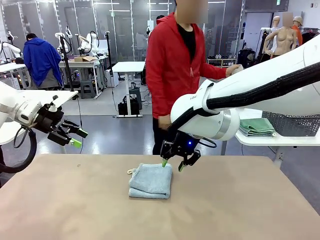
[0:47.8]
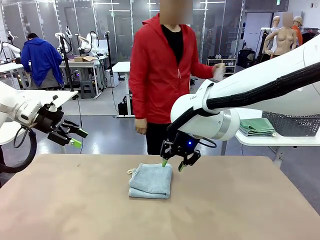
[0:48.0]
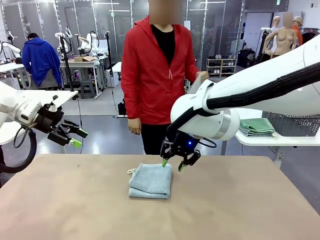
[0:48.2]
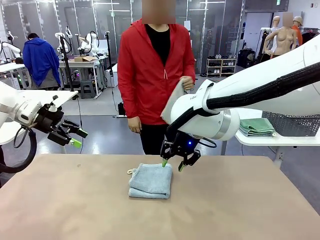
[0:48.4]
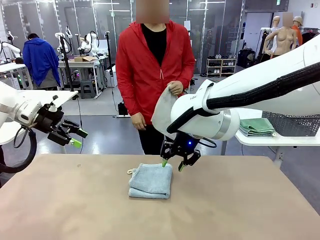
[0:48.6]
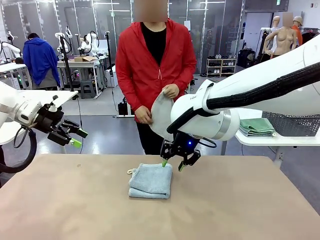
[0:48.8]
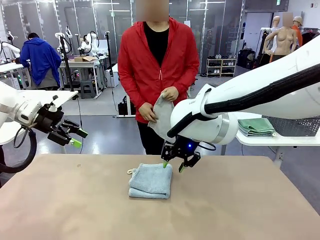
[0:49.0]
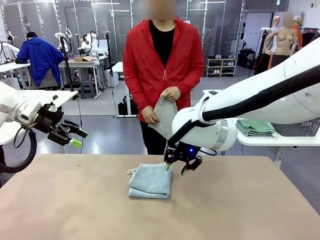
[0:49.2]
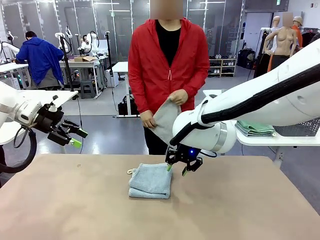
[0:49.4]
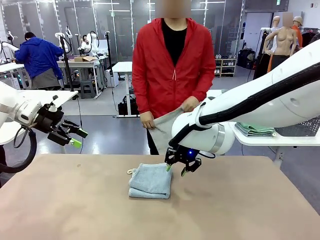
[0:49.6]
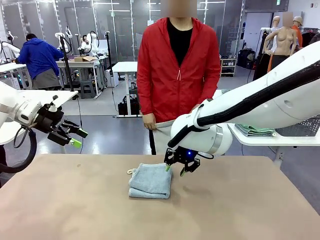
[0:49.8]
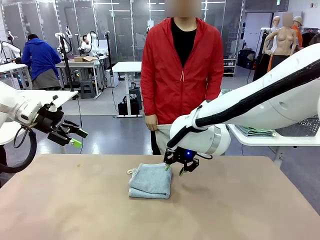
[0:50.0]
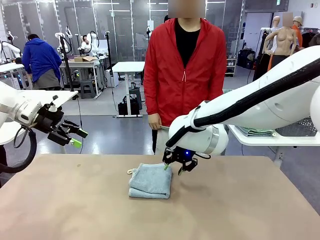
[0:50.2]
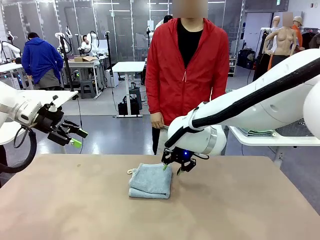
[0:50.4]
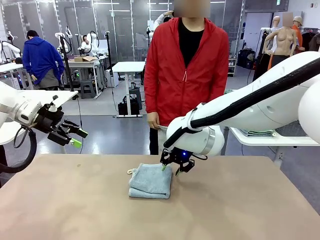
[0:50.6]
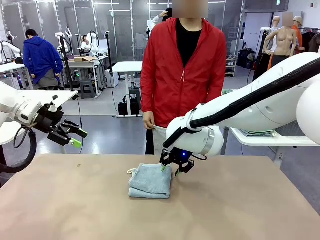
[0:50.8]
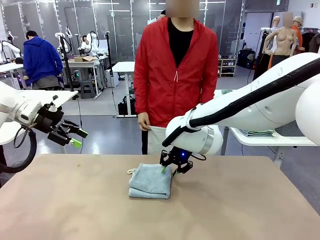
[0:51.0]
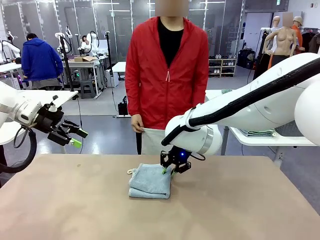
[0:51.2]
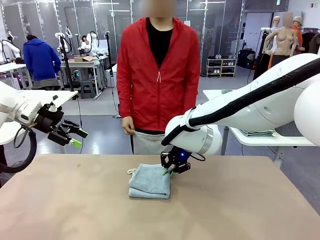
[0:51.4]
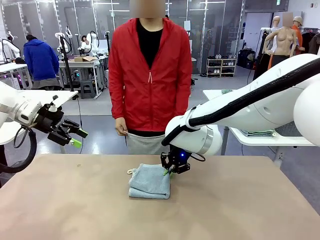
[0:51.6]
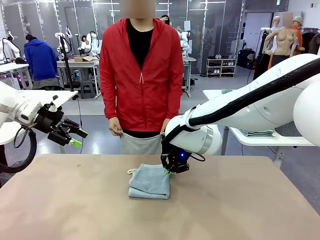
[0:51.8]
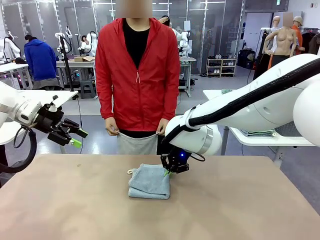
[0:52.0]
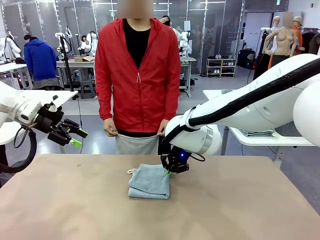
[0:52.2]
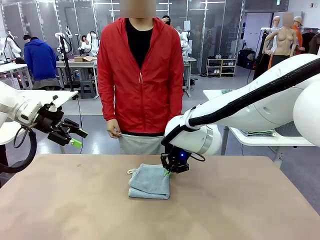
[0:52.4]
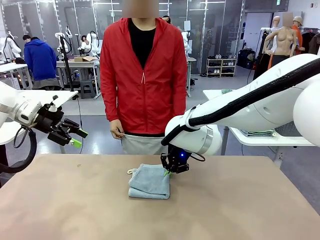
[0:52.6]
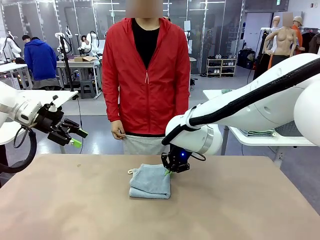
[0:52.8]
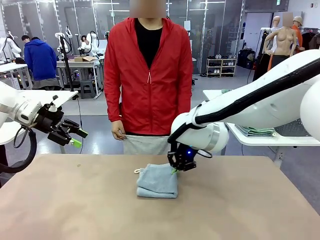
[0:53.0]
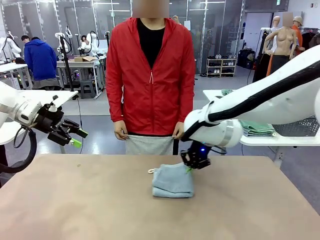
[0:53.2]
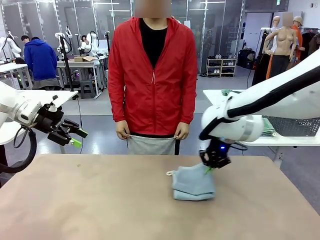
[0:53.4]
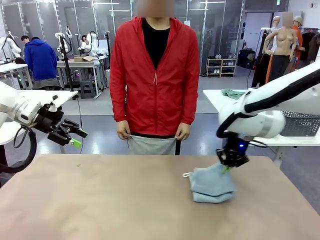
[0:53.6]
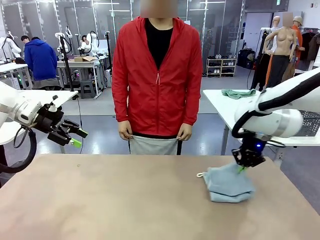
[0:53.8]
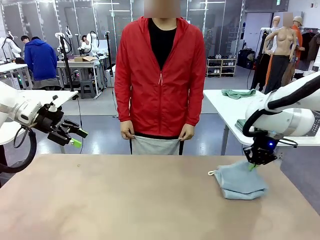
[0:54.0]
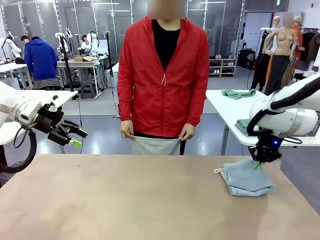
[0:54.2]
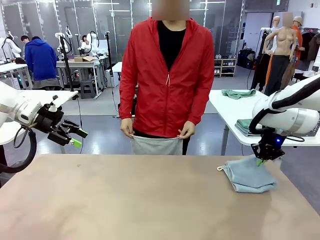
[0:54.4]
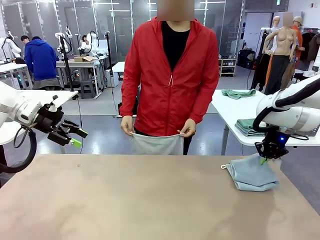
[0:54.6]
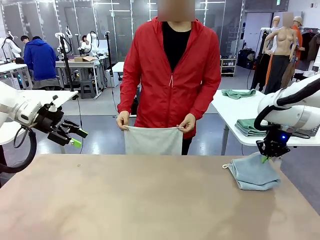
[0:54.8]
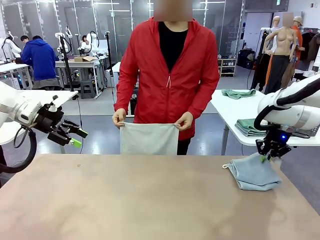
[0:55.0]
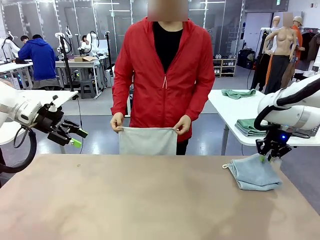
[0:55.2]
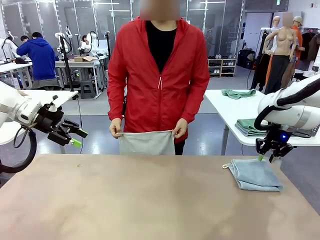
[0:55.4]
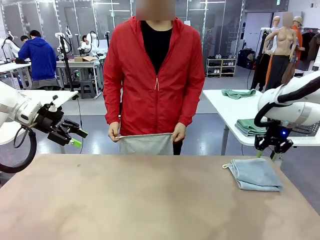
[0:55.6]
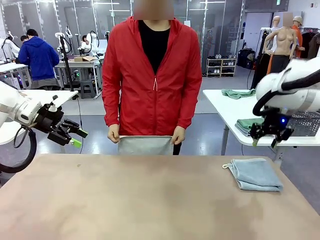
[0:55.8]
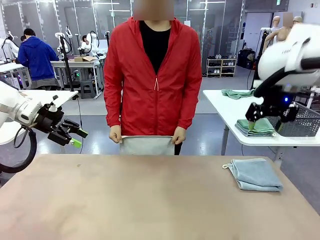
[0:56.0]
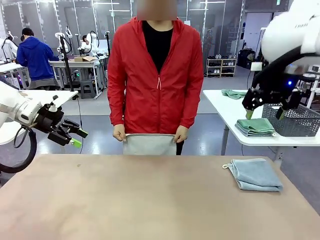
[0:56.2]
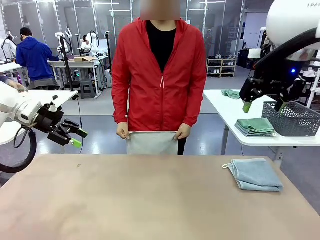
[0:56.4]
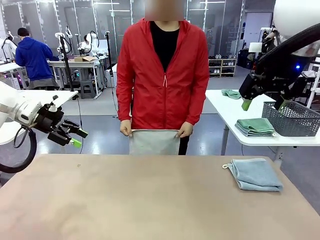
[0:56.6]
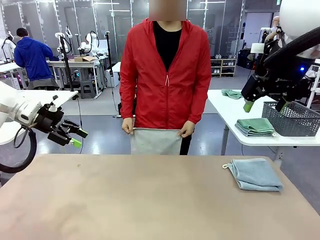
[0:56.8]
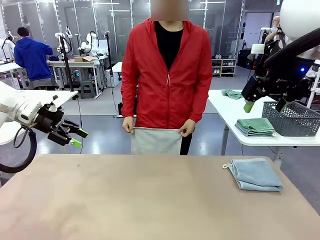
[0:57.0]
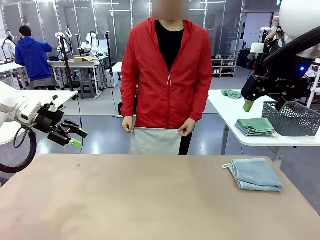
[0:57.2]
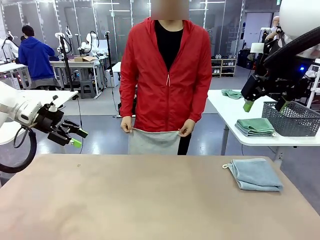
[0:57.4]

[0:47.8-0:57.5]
Task: Fold the towels and place them in the basket.
Robot: Place the folded Towel with hook on the right side of the table.
Person: Pick up one towel from the left side of the human table and spread it out at the center of the robot table.

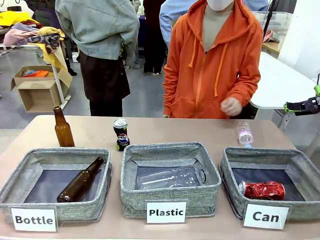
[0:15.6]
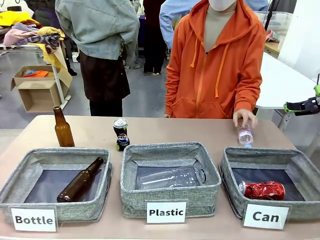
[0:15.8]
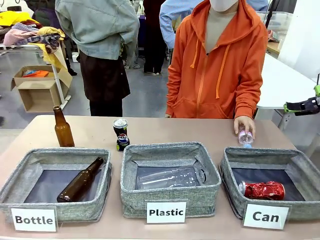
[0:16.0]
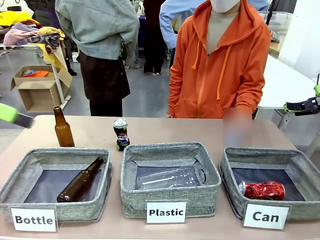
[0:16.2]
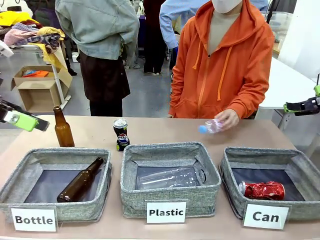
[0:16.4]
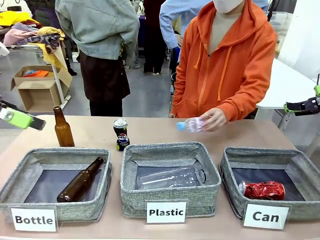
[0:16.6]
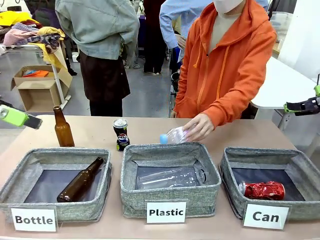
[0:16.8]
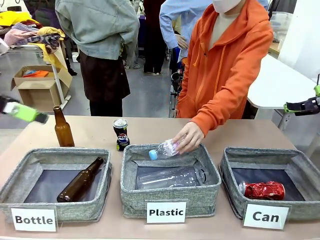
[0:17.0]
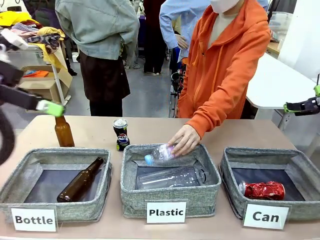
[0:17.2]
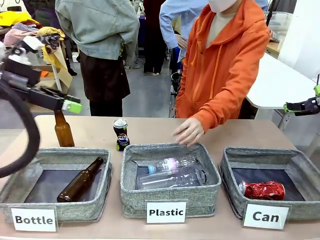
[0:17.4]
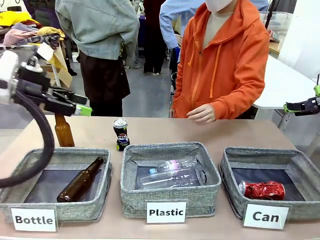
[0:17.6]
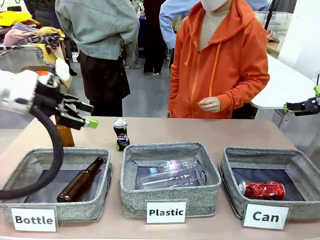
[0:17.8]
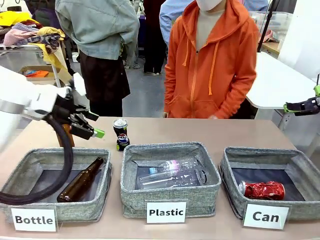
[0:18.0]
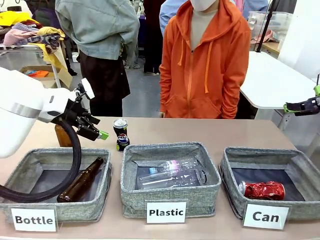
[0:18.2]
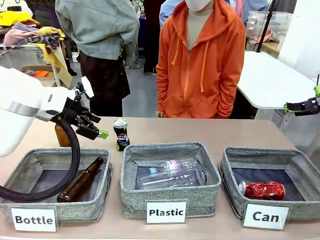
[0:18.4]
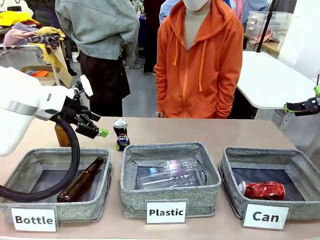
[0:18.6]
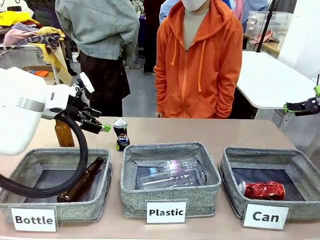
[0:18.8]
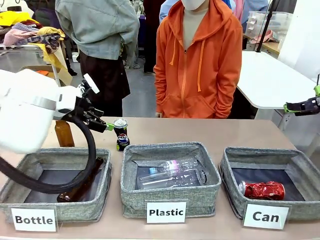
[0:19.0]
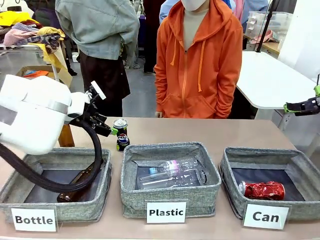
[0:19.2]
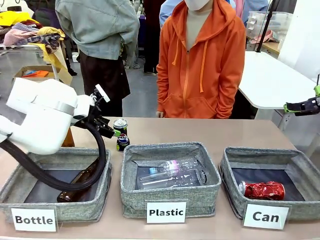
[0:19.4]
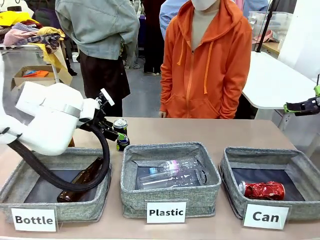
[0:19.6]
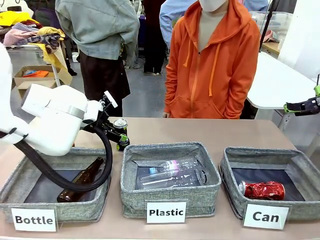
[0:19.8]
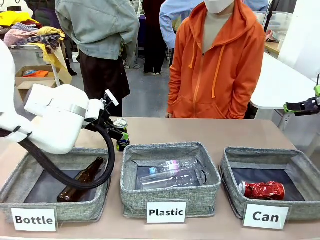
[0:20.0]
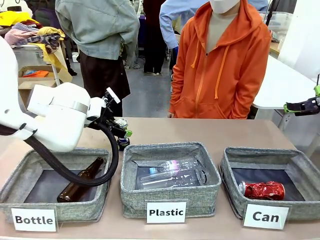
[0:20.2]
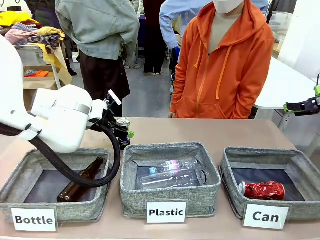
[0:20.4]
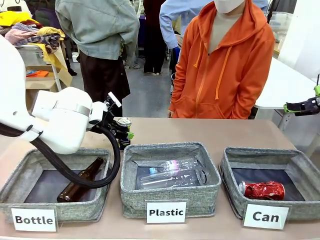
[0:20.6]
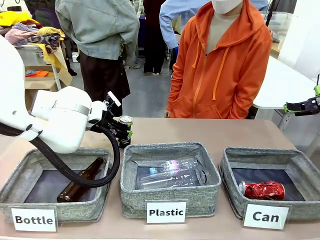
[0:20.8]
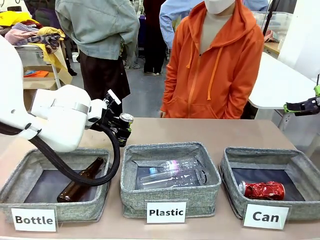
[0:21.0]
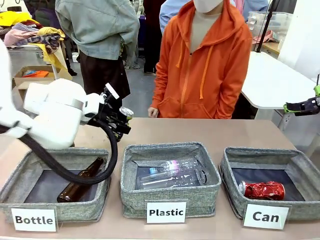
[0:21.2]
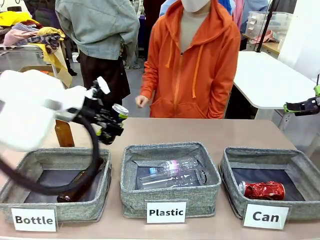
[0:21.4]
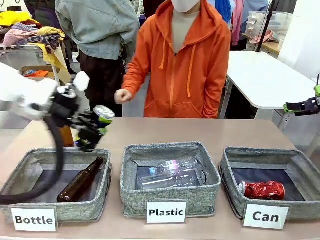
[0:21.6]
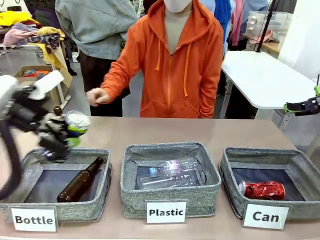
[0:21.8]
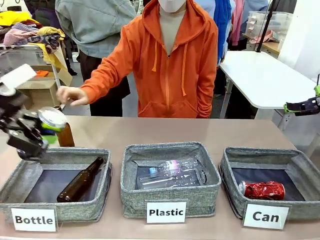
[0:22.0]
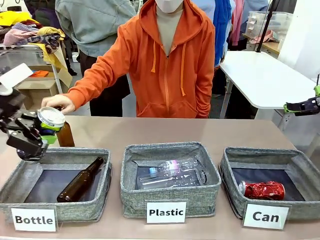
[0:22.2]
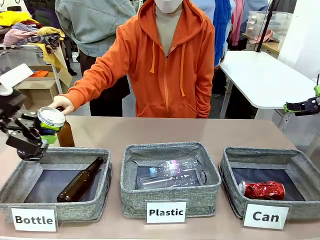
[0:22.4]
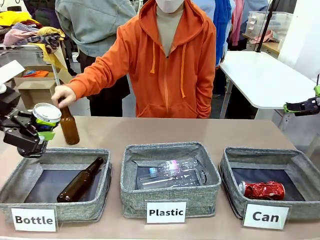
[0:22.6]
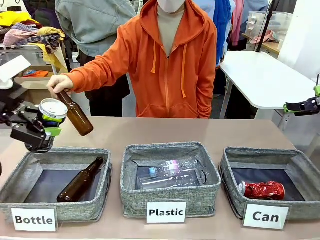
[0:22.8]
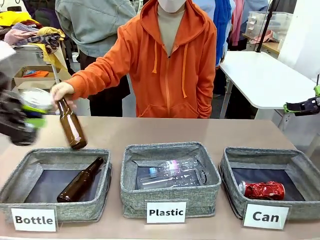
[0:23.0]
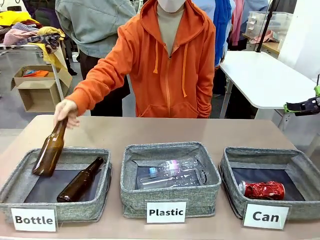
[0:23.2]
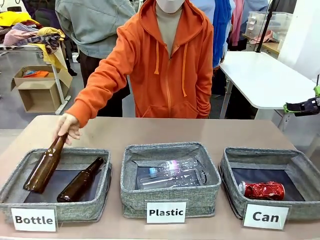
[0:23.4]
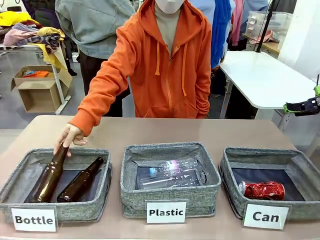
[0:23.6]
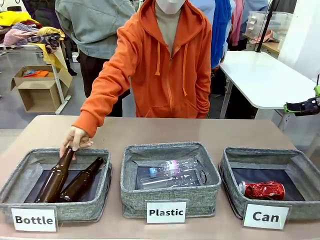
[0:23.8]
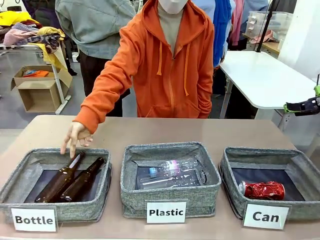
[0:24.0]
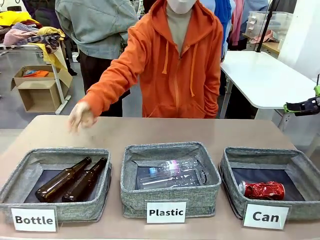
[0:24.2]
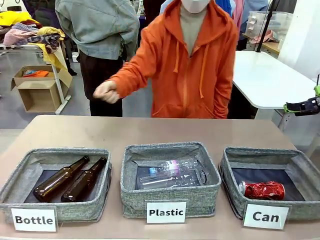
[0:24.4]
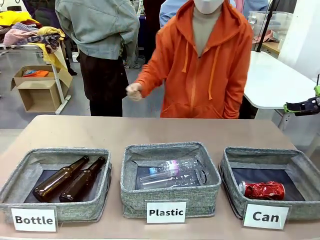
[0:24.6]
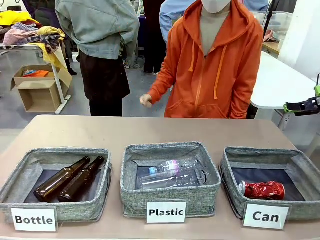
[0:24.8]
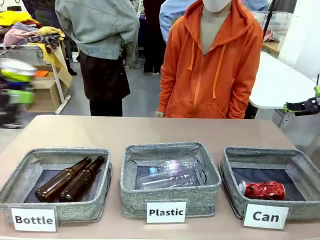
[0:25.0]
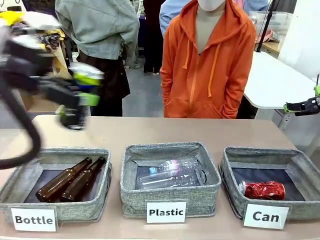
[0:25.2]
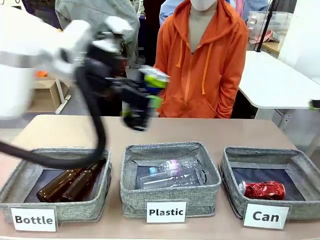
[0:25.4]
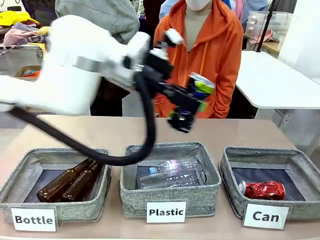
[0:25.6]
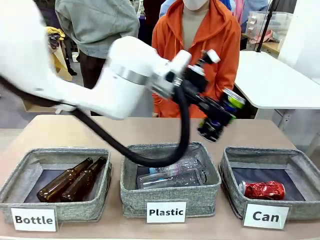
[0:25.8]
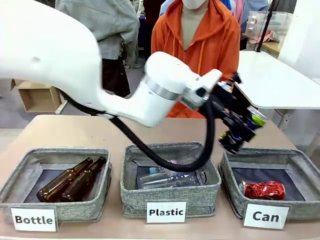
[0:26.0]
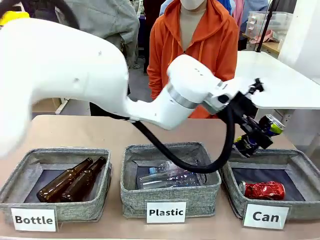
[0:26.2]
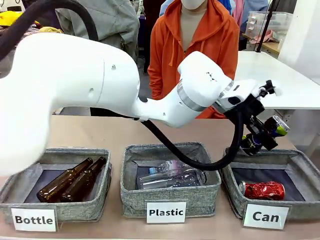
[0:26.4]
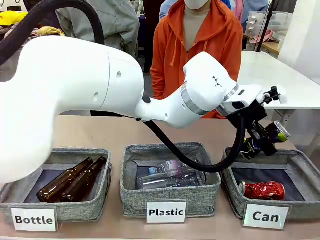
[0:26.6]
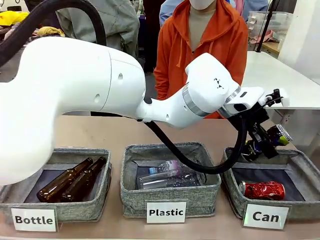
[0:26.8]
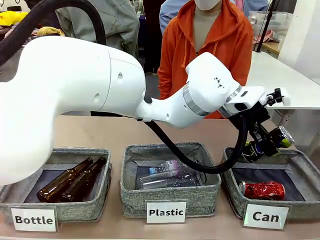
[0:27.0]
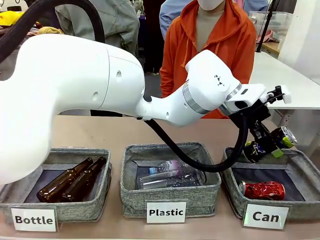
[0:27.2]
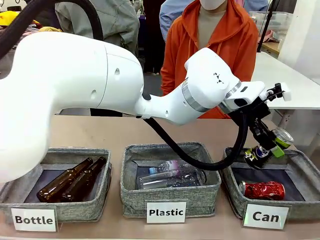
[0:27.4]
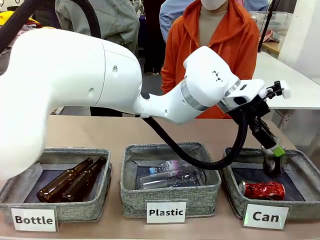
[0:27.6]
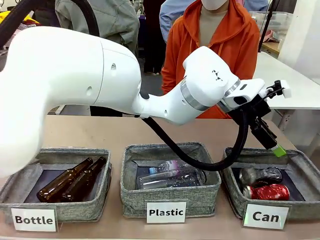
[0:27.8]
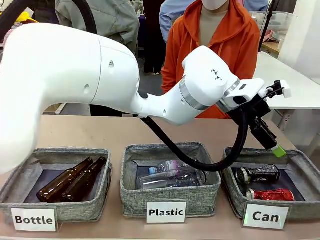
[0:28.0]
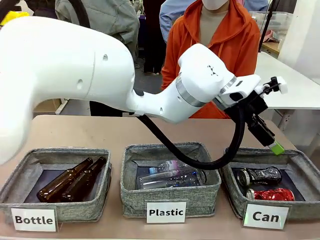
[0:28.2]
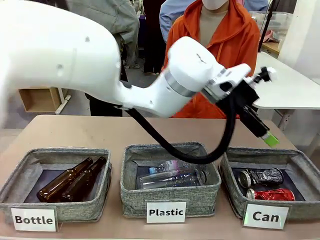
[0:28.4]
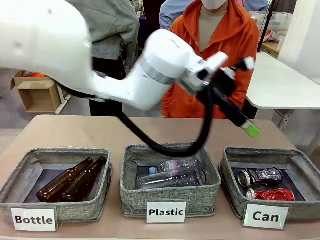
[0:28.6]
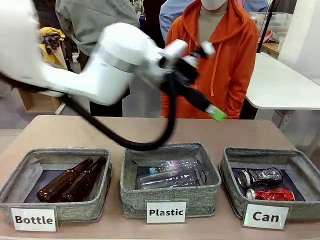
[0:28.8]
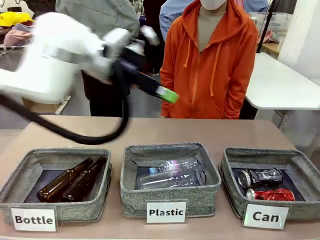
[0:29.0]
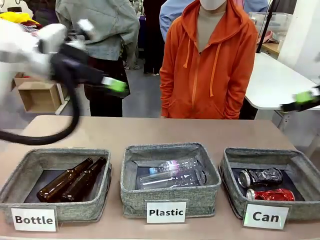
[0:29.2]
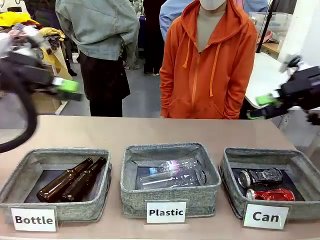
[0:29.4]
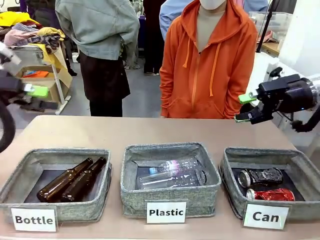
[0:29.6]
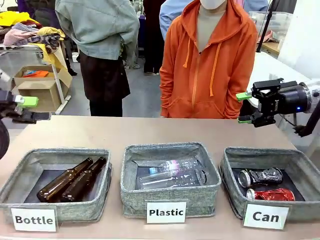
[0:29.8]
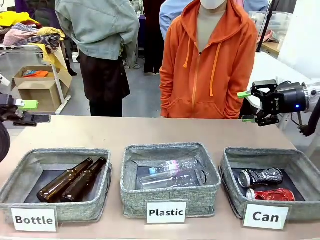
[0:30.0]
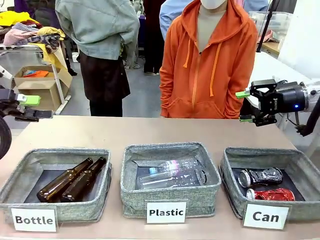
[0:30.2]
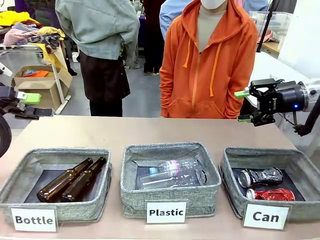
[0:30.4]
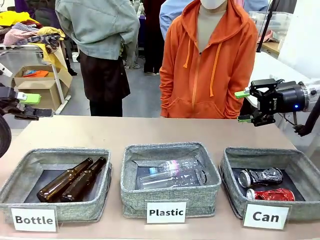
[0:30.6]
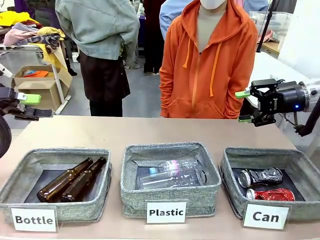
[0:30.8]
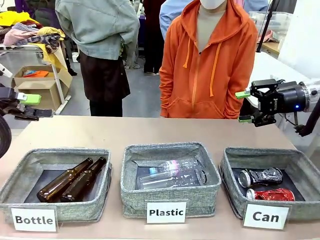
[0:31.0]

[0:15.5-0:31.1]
Task: Sort the can waste into the basket.
Robot: Pick up the can waste from the table and place it in the right Fabric basket.
Person: The human picks up one piece of trash that is not a can and places the trash into the appropriate organizing basket.
